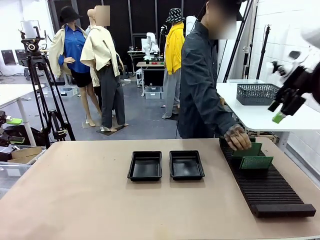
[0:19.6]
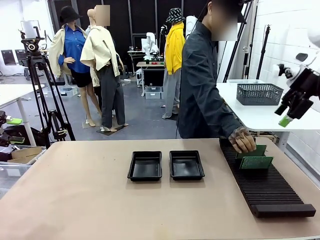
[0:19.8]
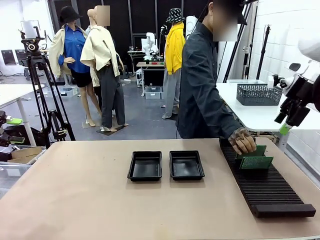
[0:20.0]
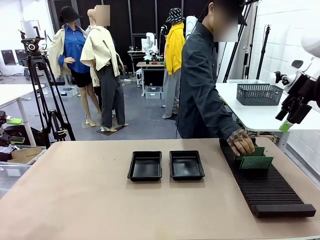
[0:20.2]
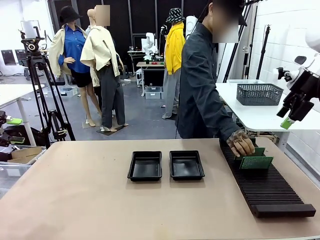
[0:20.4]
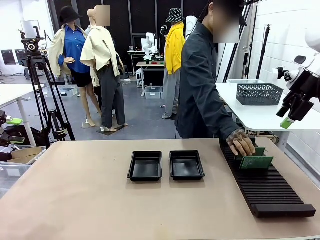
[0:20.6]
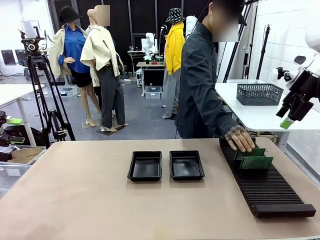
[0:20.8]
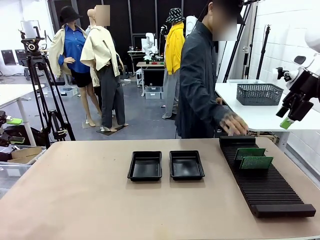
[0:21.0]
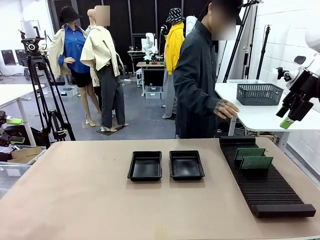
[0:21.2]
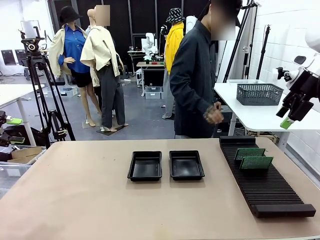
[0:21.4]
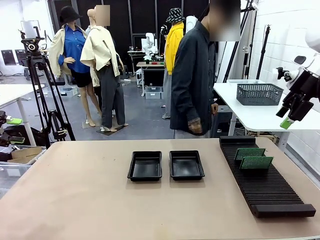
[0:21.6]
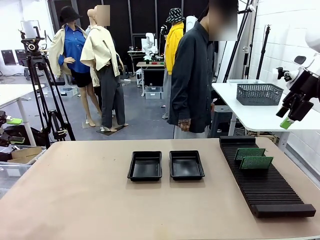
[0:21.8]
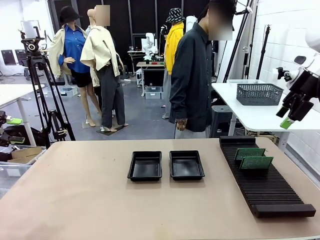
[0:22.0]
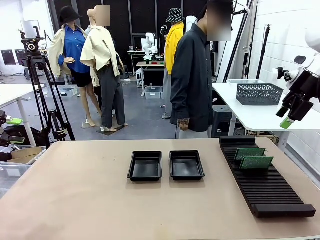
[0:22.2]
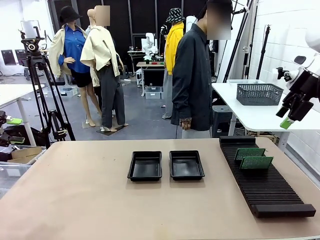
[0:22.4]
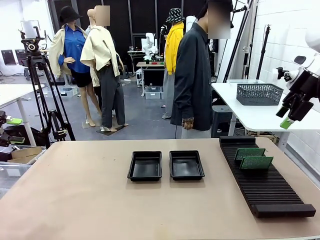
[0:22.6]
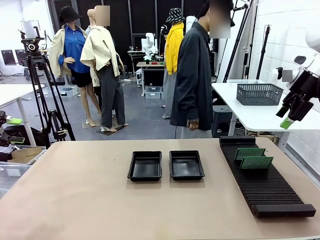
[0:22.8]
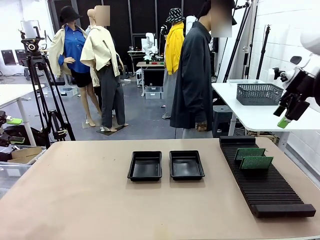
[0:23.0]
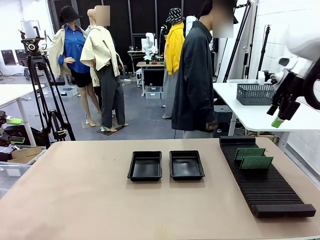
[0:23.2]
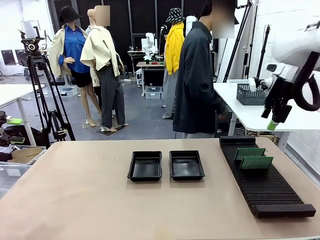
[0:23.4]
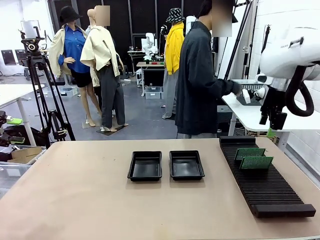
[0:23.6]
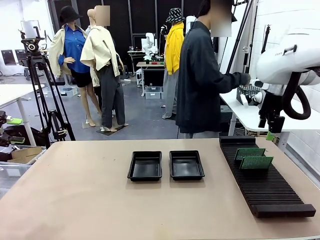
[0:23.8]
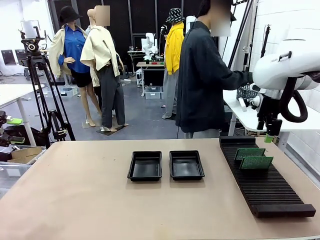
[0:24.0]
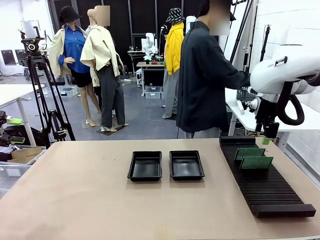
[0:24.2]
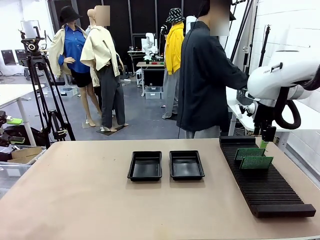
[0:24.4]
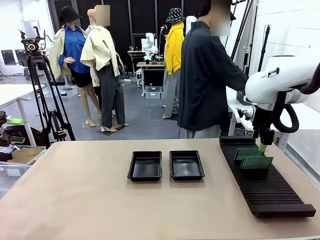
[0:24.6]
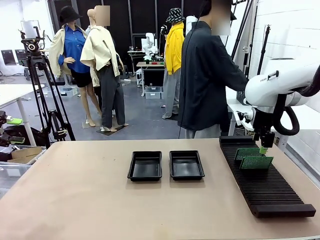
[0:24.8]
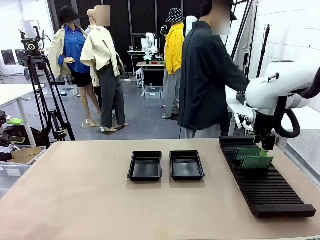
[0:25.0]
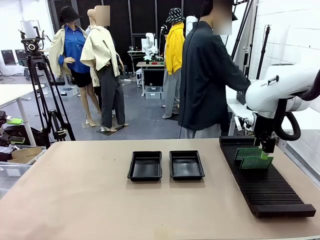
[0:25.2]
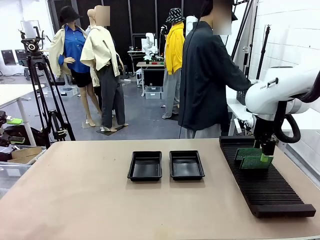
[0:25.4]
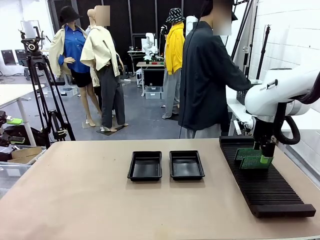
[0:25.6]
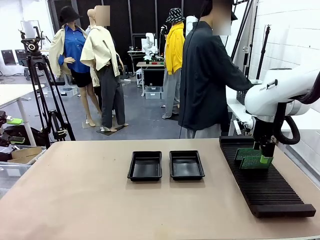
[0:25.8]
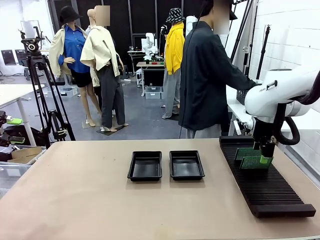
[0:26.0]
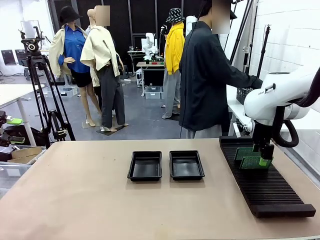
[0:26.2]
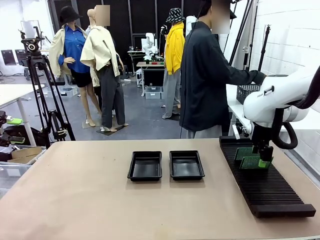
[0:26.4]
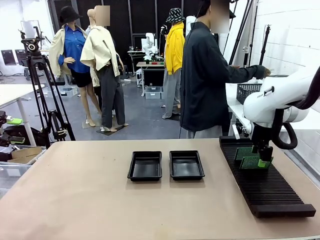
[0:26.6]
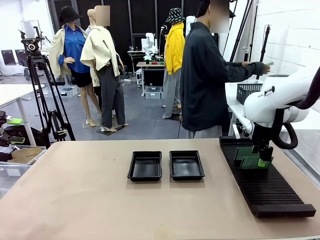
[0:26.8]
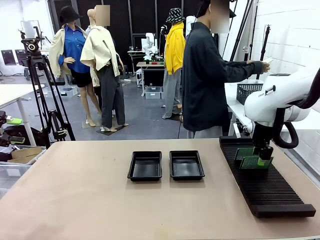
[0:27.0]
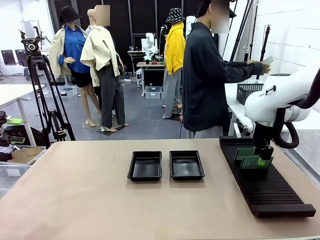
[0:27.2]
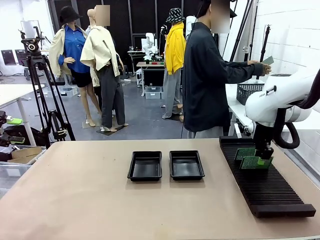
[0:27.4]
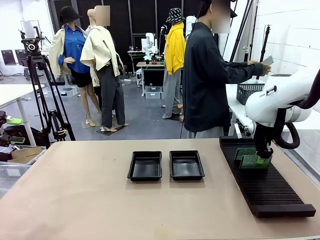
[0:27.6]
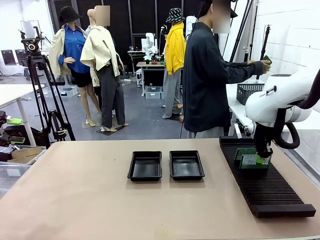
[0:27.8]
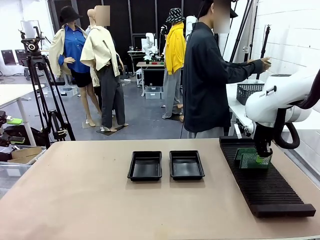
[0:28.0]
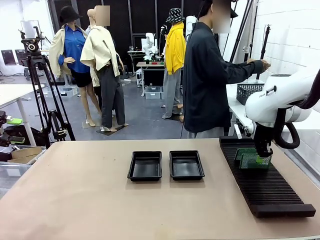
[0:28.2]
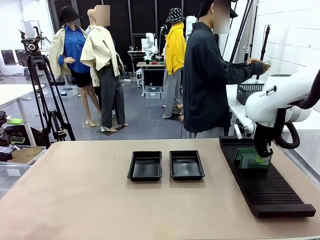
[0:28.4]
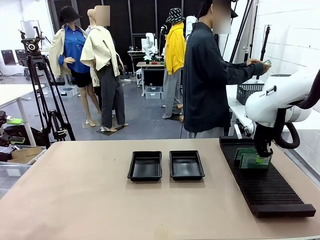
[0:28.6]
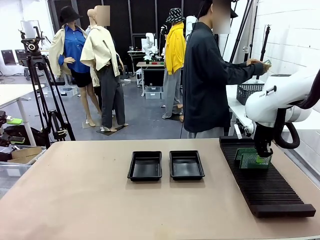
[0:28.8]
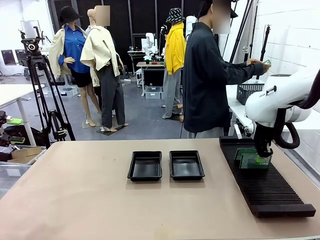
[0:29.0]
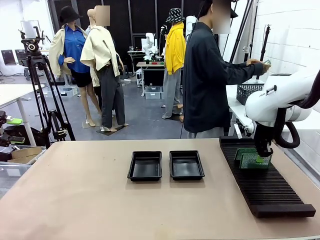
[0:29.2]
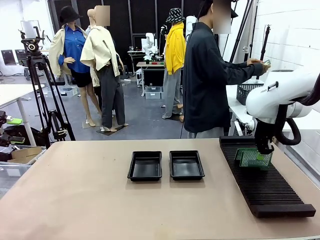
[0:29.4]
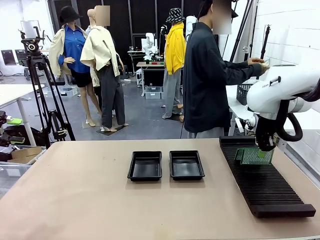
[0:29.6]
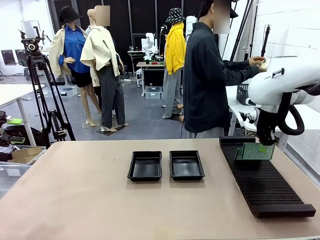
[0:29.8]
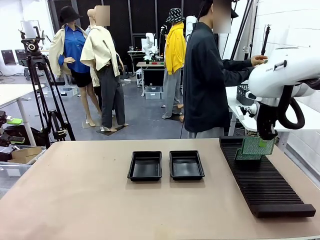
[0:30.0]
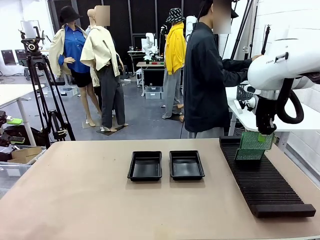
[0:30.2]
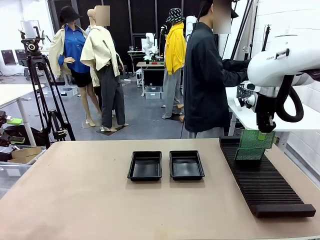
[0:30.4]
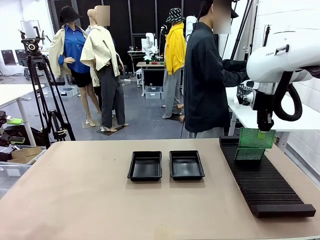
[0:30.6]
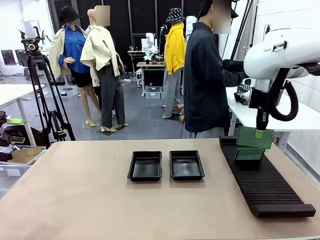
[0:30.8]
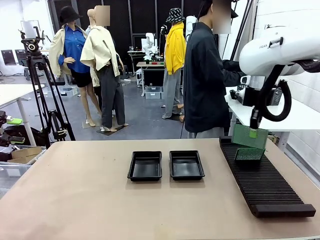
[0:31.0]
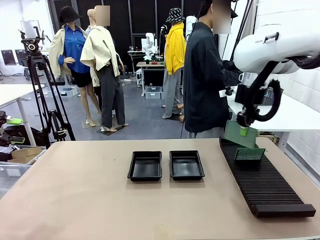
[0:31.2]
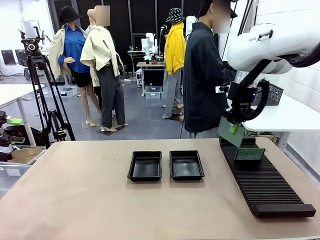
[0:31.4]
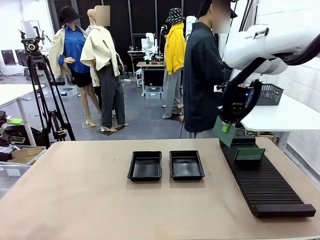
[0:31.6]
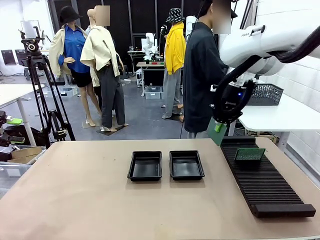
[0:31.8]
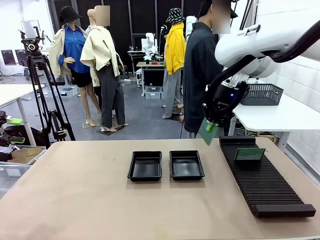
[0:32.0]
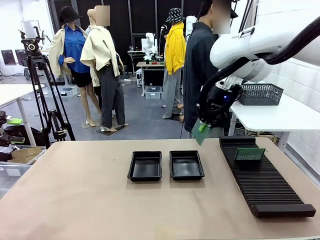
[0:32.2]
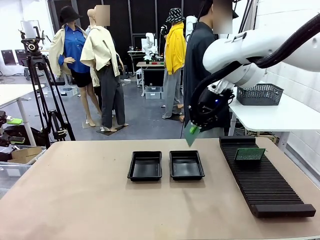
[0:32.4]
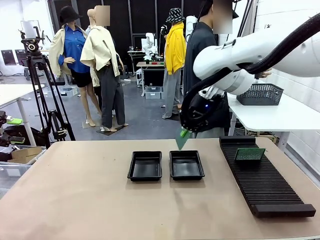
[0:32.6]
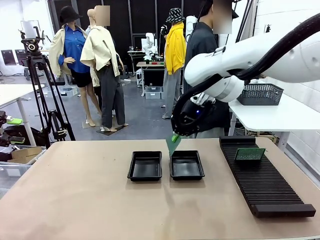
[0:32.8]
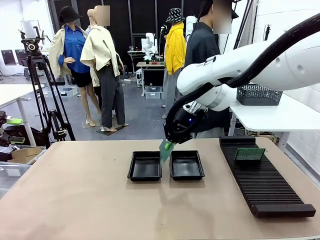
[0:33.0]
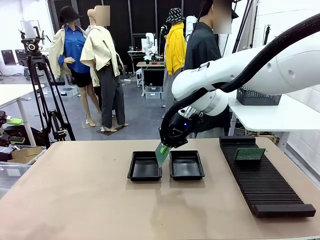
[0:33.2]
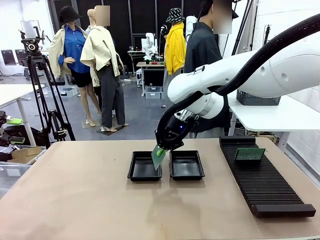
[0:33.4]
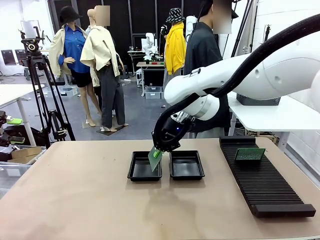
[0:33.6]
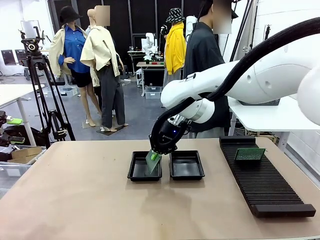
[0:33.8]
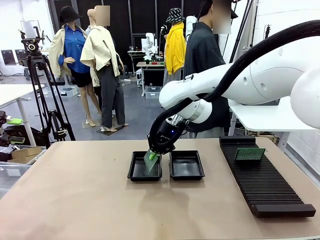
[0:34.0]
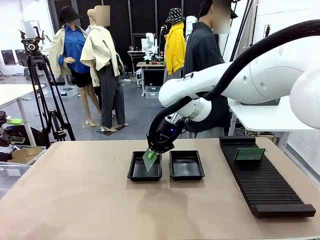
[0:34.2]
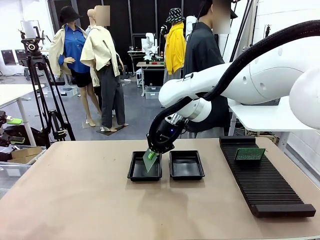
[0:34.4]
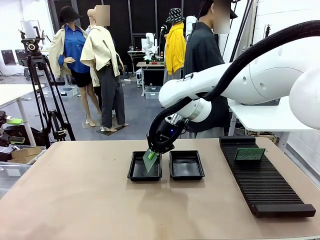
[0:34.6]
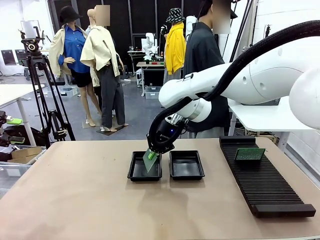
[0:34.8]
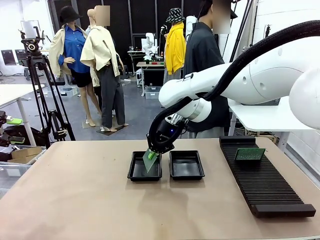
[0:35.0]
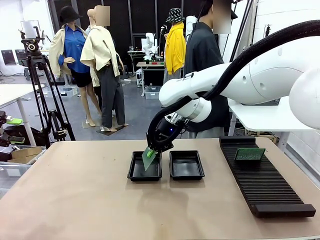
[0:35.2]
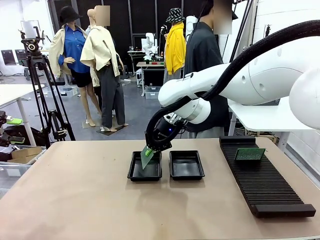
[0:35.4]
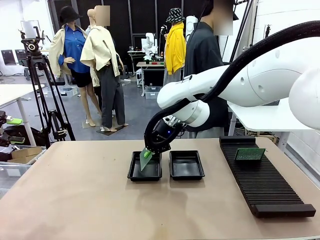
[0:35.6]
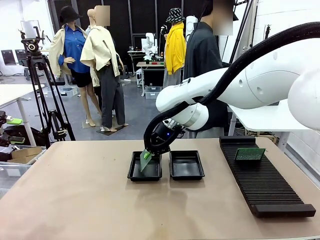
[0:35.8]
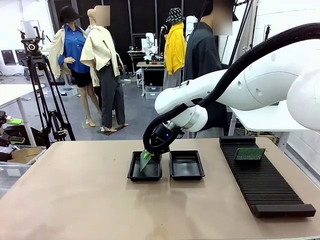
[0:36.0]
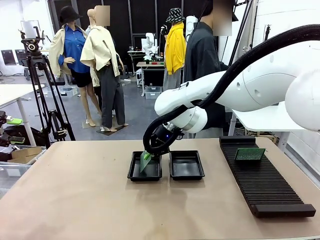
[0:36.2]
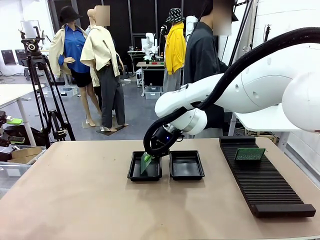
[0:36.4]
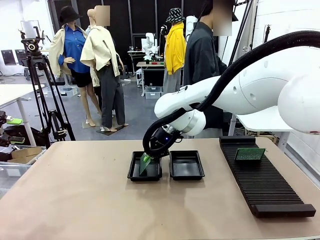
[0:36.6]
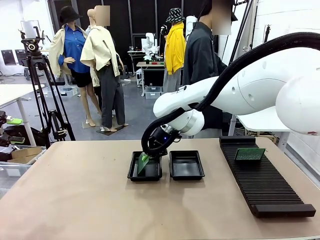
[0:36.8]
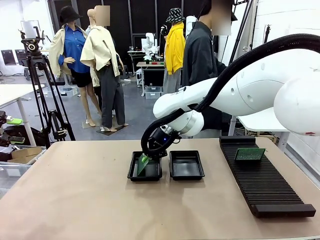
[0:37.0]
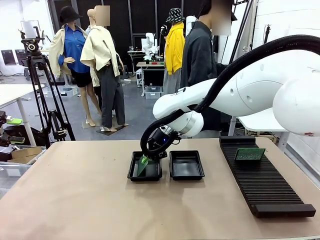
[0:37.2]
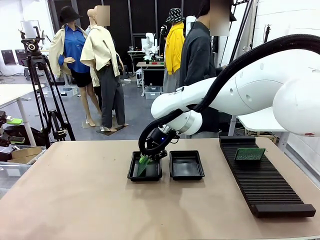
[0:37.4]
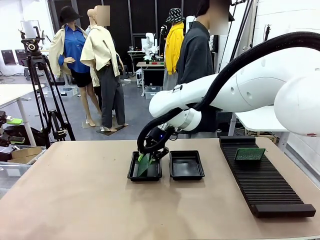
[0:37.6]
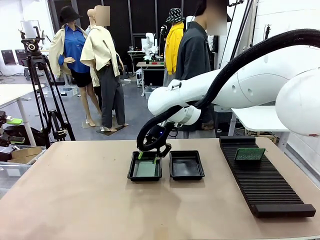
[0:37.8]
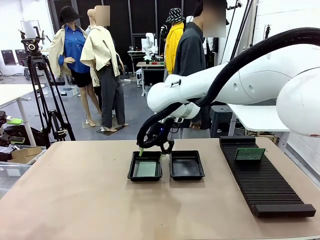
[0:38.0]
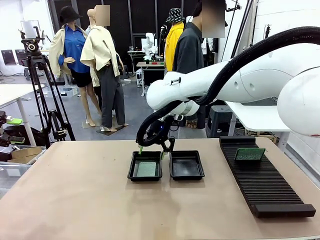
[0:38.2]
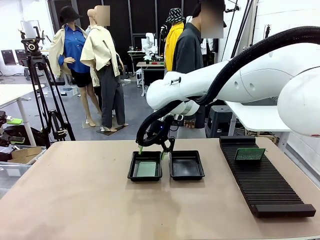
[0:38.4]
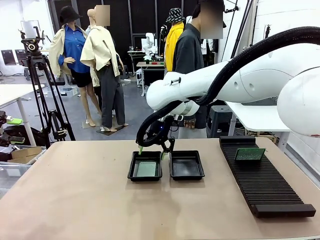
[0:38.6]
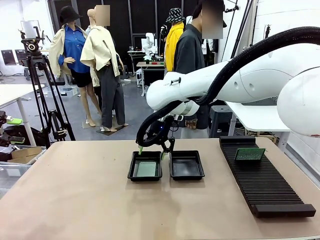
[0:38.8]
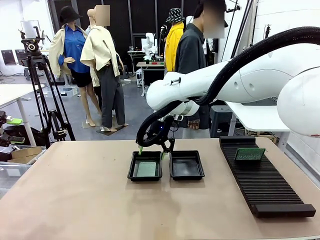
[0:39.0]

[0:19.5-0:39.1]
Task: Inspect and transfer BCBs to ESD trays.
Robot: Pick up the Blank PCB from the PCB Rack and place it in the left ESD tray.
